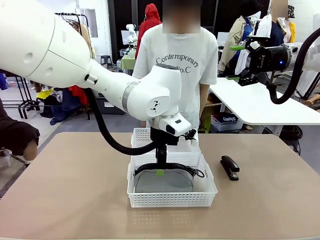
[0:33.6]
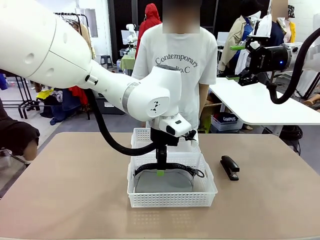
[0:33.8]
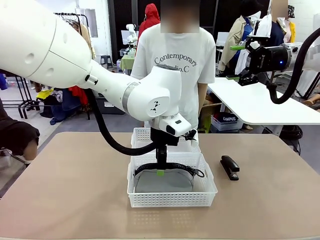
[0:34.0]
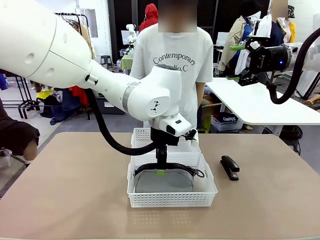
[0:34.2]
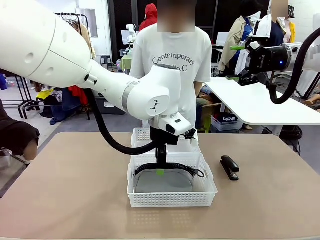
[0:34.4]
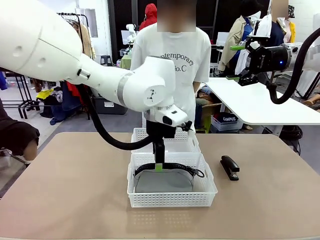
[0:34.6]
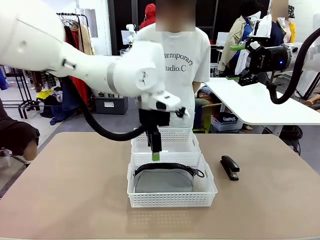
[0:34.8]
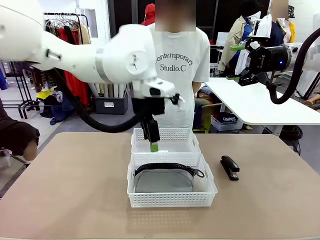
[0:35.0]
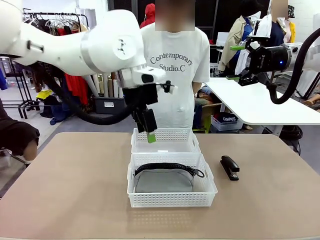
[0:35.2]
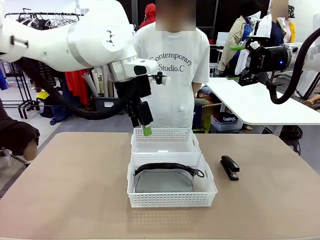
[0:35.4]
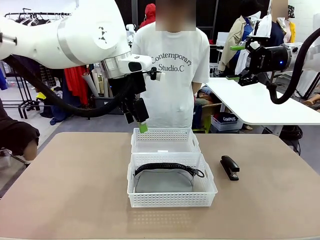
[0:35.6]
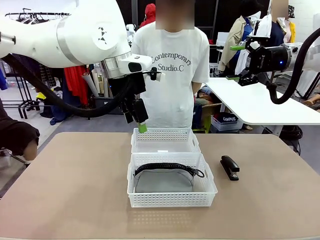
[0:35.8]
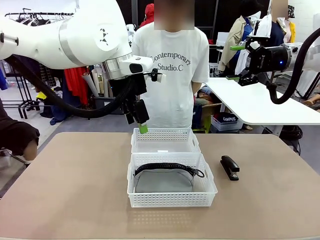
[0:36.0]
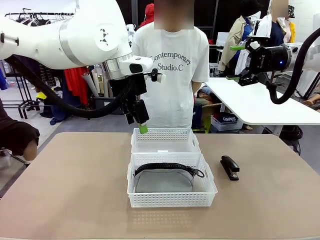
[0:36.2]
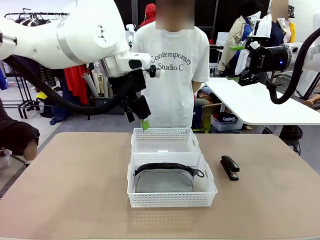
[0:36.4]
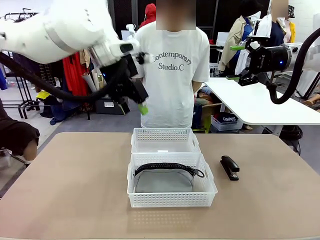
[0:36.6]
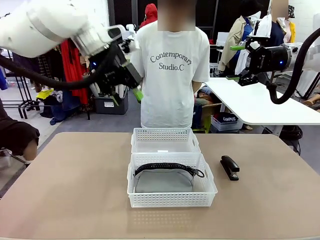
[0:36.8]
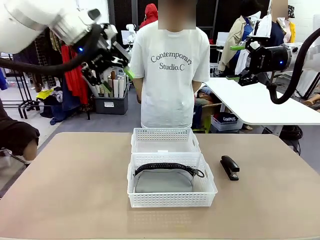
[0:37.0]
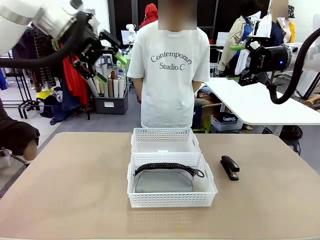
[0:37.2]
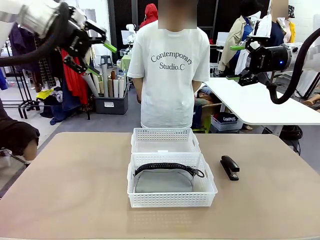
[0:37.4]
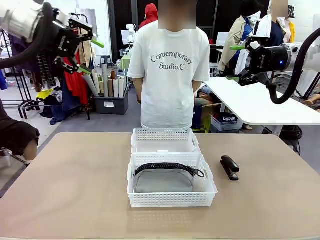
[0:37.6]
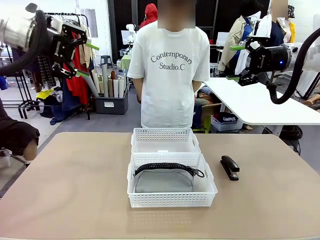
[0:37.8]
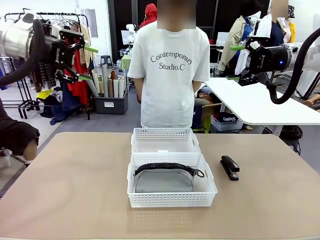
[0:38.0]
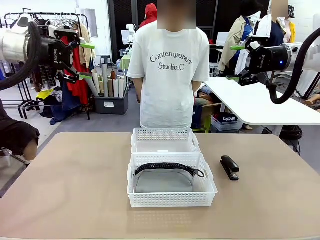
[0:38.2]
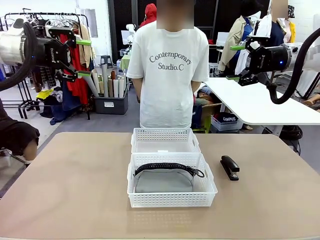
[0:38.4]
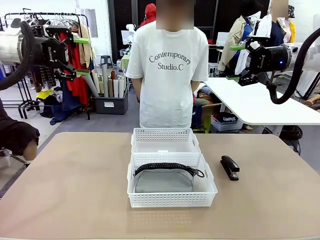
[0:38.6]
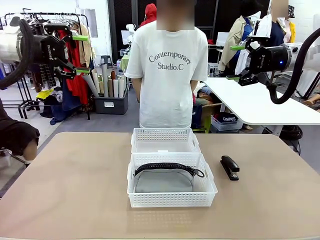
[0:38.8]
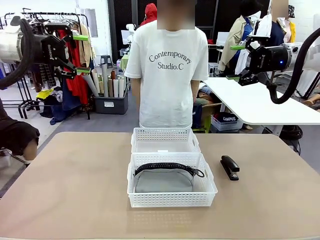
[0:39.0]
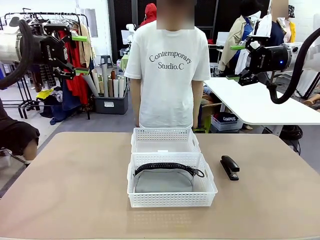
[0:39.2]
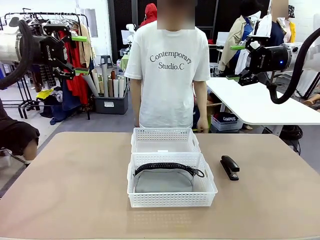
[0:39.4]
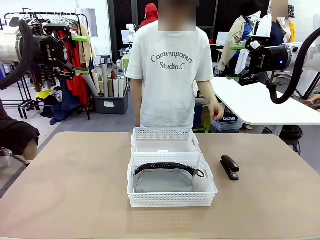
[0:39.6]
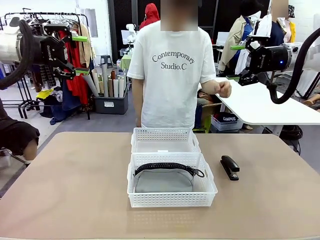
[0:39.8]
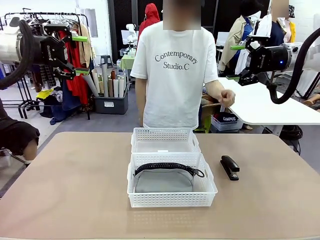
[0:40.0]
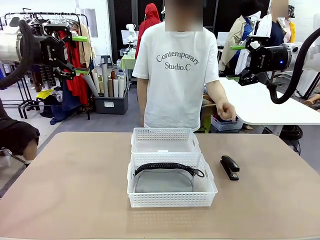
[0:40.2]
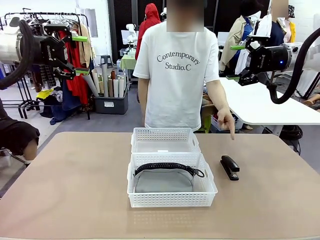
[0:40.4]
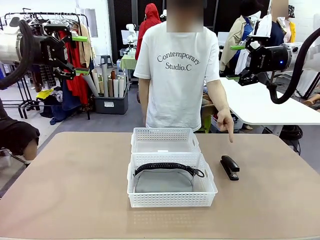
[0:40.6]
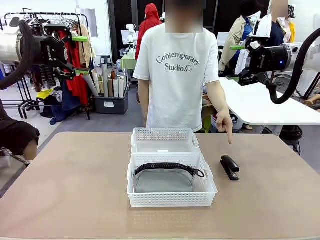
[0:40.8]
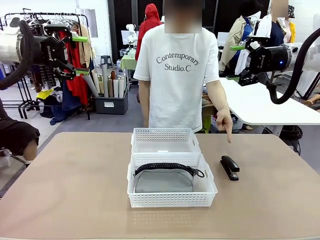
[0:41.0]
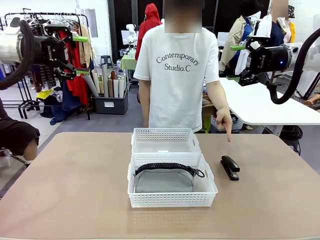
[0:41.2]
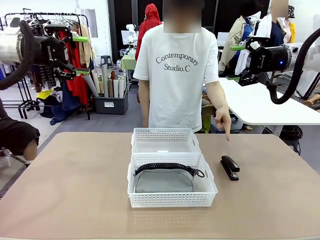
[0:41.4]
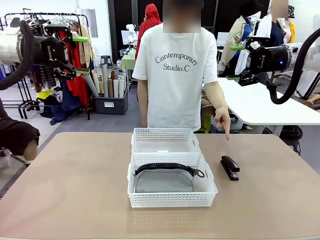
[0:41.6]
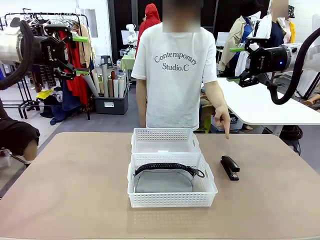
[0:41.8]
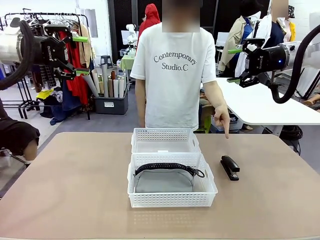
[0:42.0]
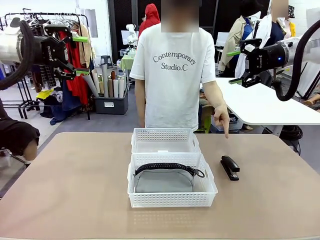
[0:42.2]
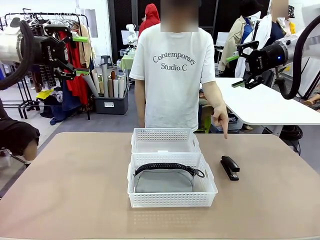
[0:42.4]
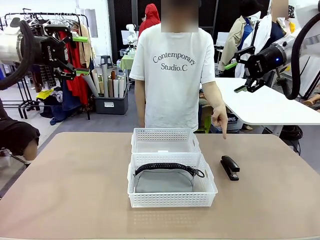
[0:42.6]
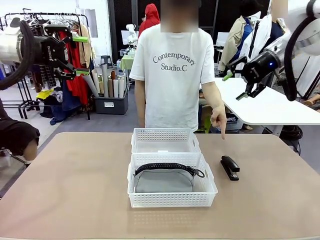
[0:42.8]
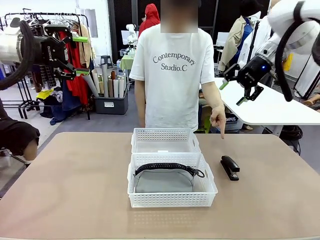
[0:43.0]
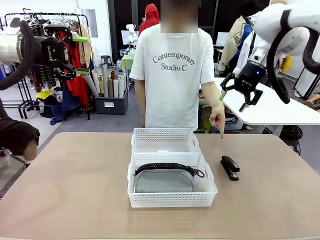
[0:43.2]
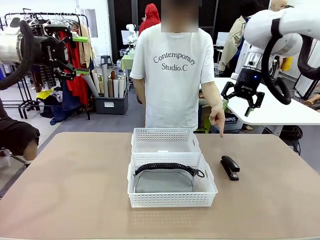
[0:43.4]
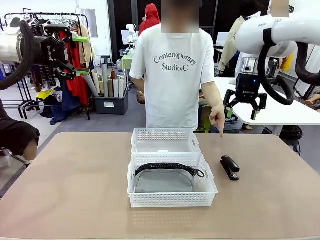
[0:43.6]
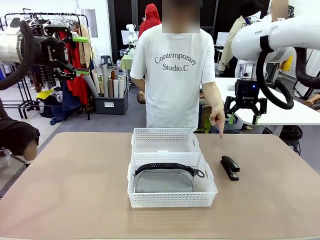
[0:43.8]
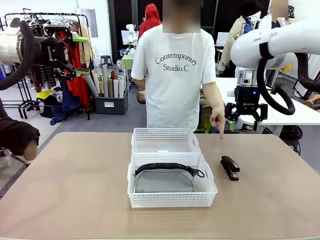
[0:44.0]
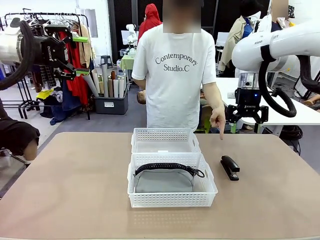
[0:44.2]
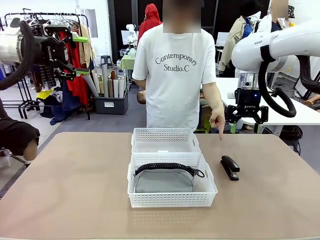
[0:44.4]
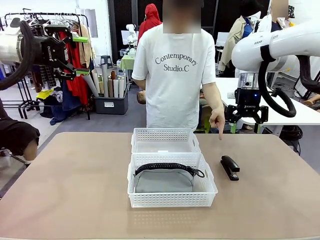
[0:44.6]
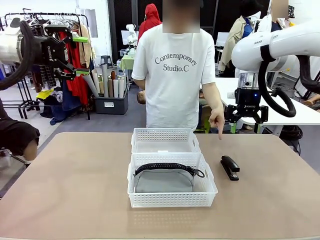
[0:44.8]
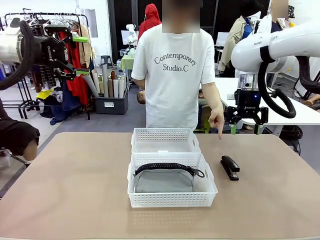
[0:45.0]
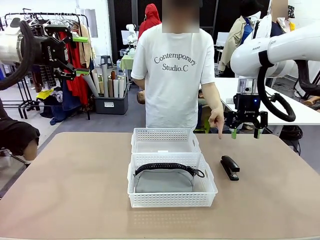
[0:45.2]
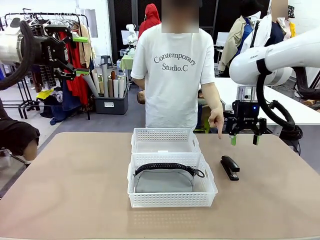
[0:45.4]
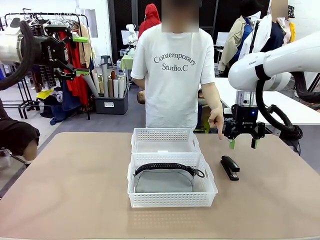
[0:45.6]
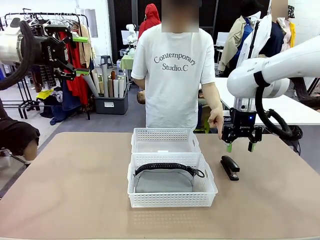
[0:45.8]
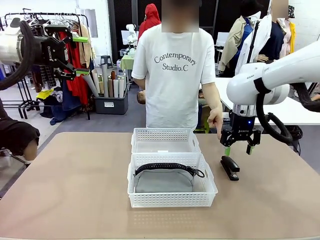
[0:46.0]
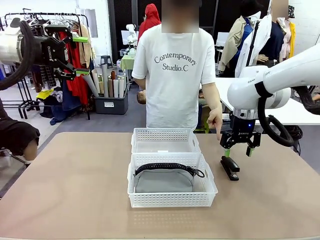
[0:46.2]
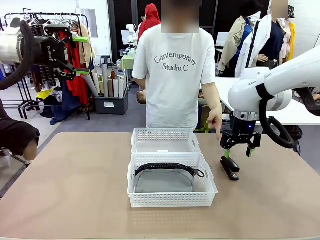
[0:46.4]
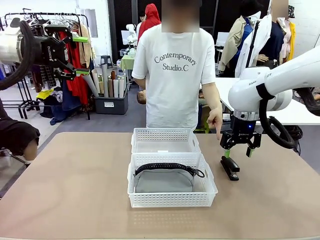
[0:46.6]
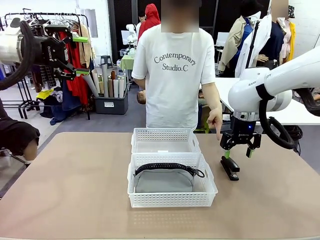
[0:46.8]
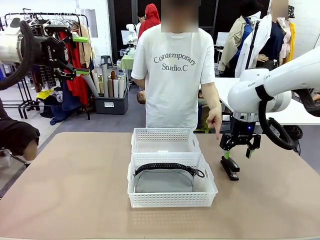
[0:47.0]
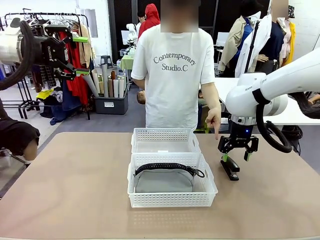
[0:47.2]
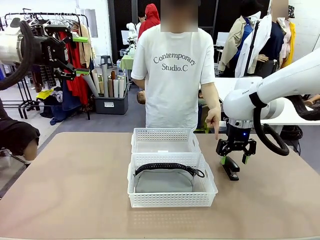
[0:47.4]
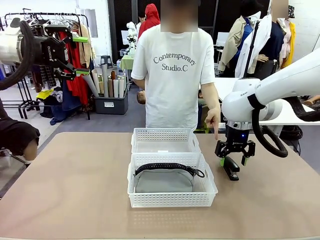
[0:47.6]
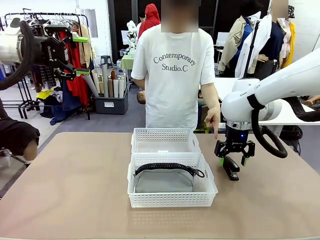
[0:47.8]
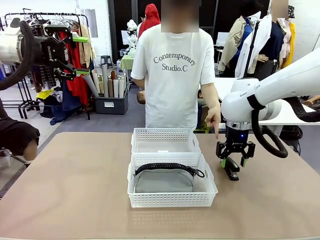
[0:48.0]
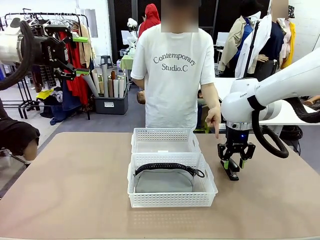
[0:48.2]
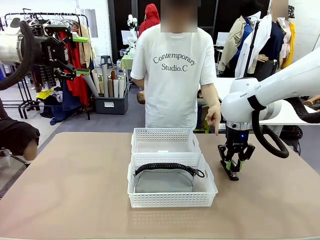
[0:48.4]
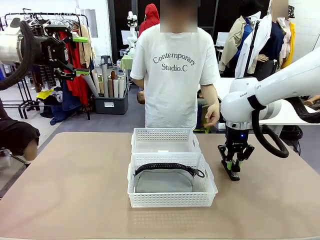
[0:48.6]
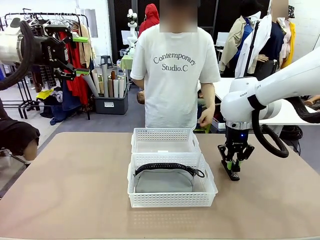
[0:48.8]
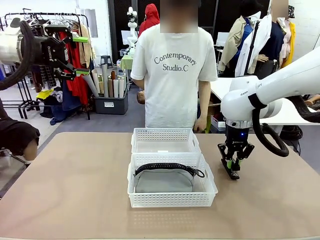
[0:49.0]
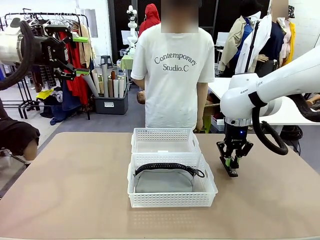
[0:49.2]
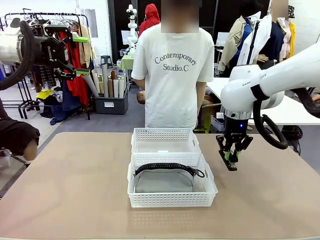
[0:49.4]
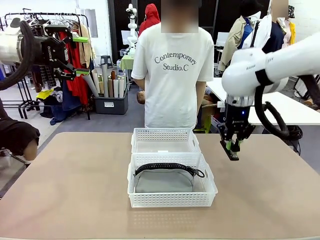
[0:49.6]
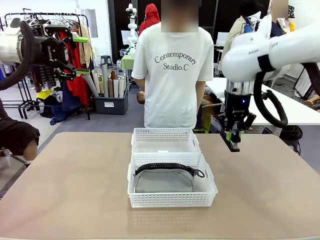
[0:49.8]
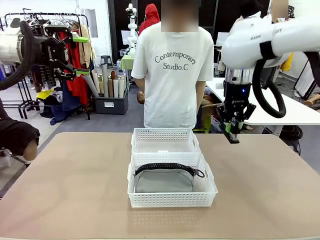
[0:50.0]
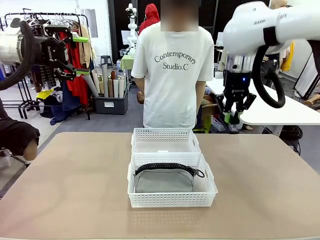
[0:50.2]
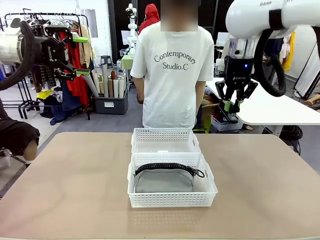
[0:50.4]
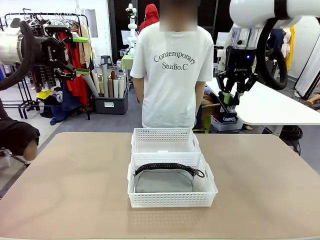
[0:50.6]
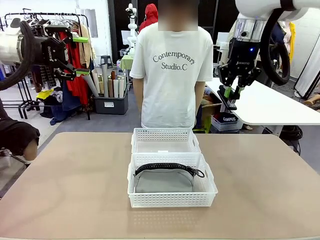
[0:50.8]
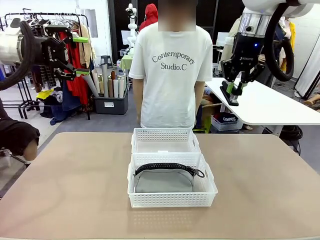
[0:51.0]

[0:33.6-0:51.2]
Task: Distribute items into two baskets.
Robot: Pick up the Stapler that the person points to.
Person: Points to the stapler.
